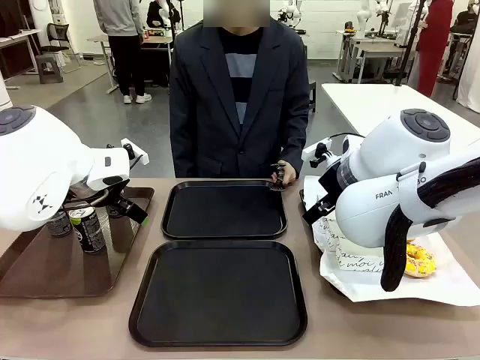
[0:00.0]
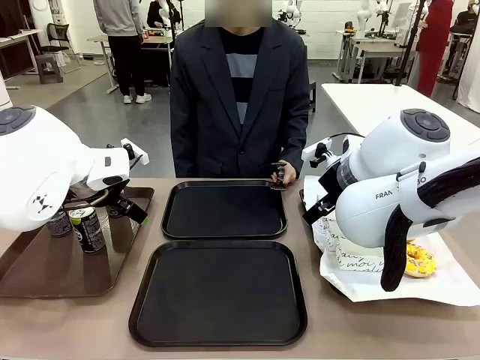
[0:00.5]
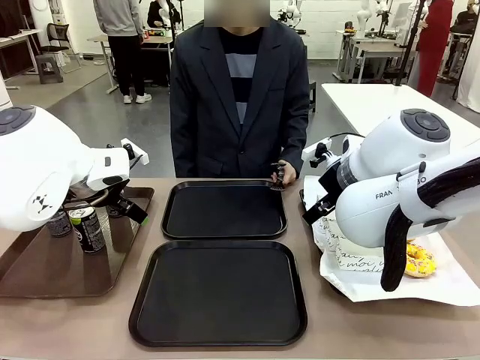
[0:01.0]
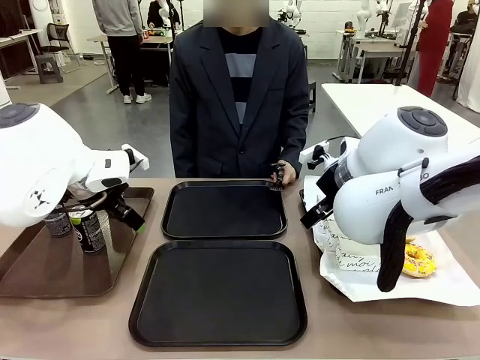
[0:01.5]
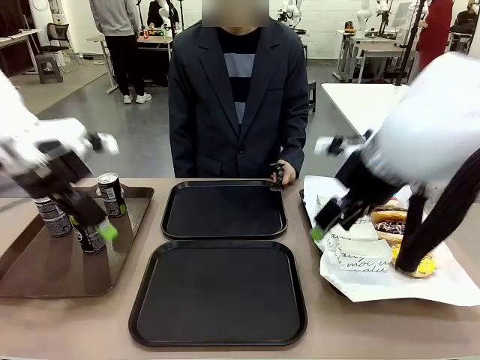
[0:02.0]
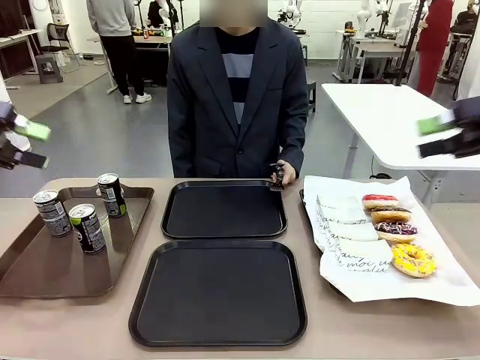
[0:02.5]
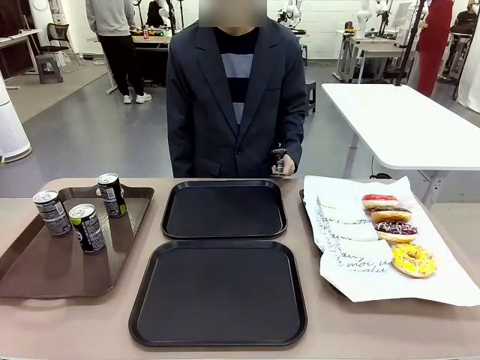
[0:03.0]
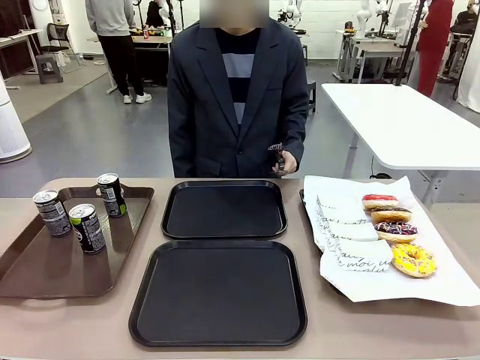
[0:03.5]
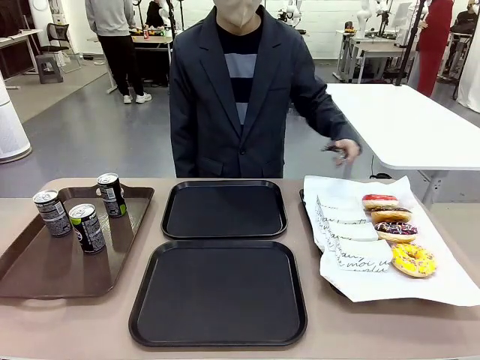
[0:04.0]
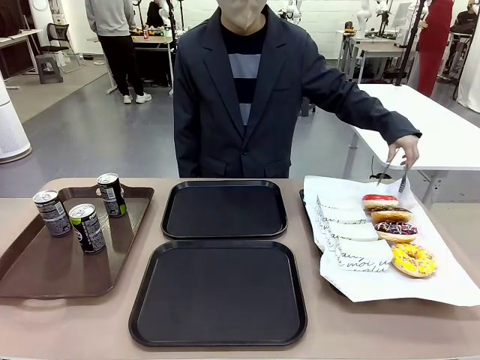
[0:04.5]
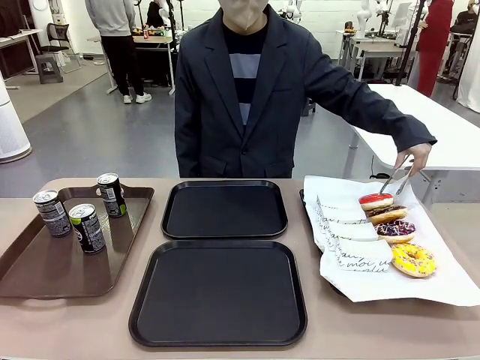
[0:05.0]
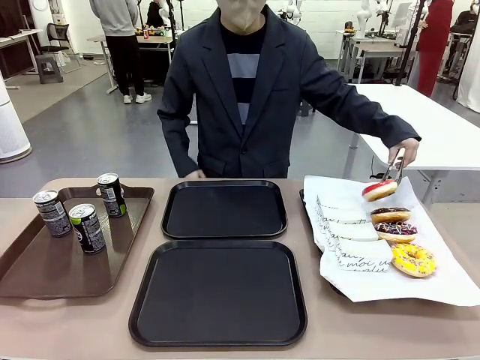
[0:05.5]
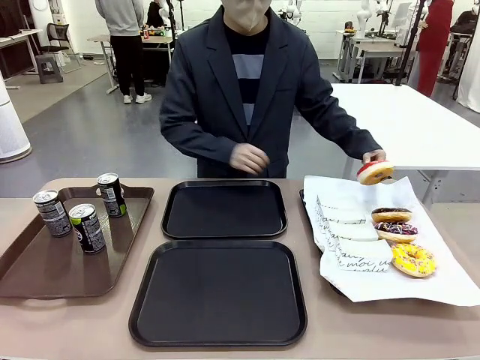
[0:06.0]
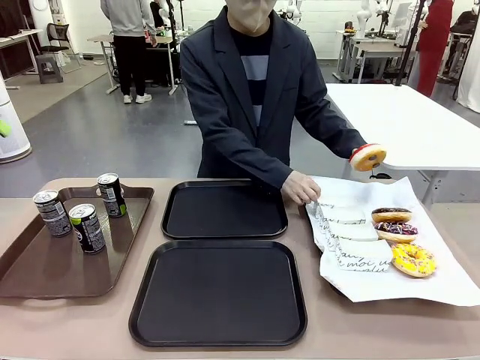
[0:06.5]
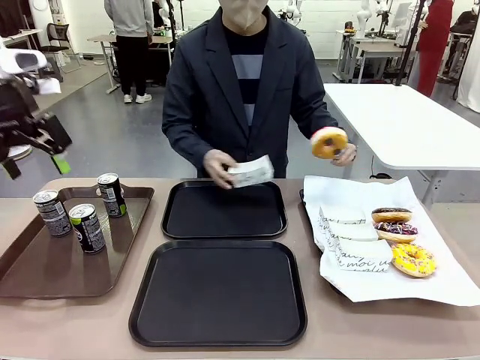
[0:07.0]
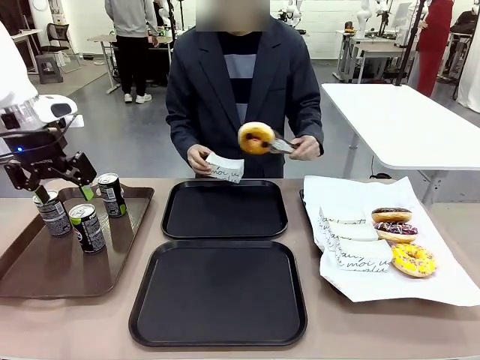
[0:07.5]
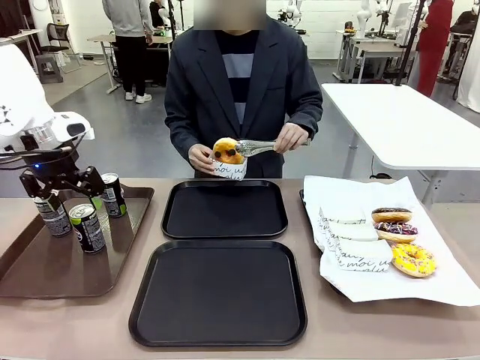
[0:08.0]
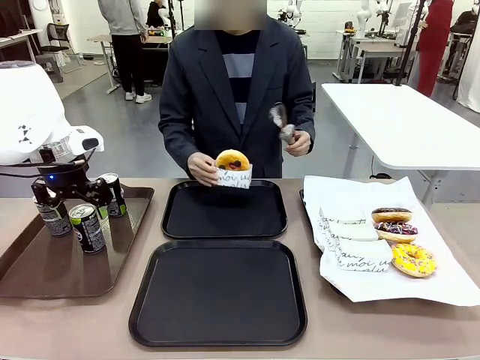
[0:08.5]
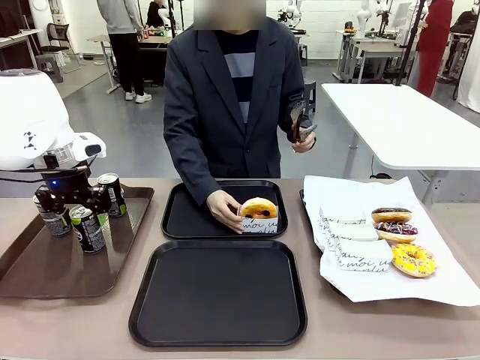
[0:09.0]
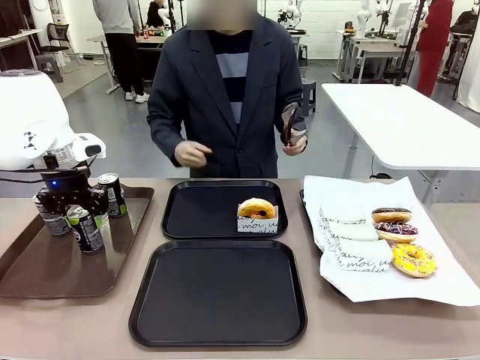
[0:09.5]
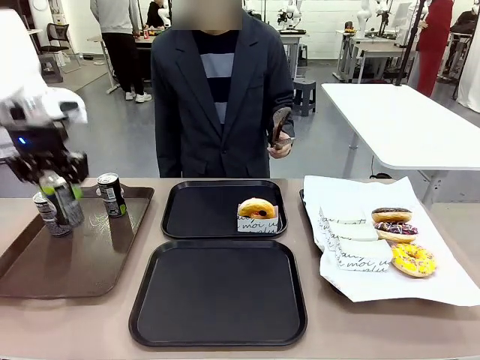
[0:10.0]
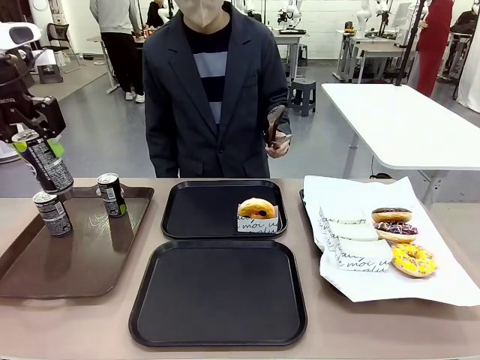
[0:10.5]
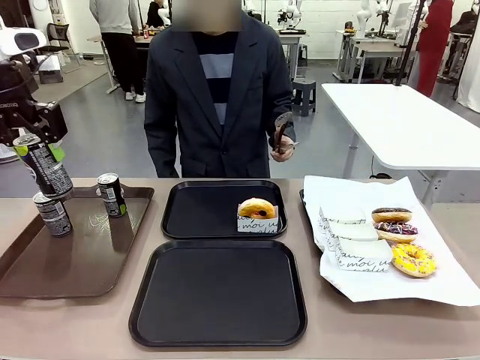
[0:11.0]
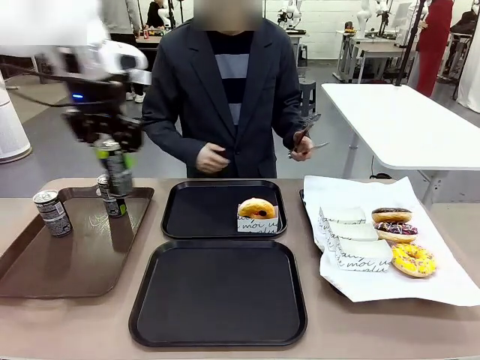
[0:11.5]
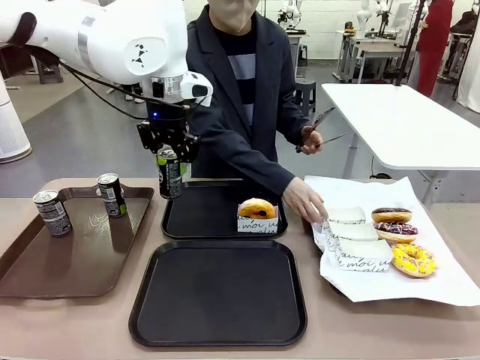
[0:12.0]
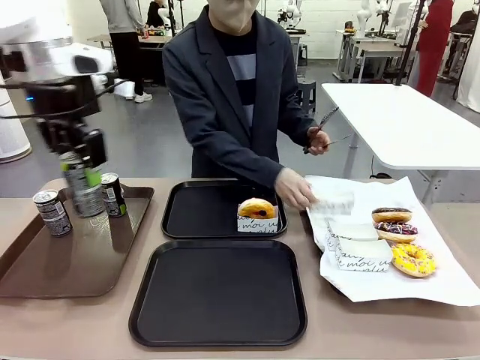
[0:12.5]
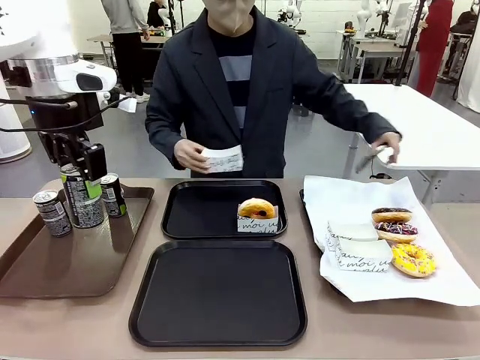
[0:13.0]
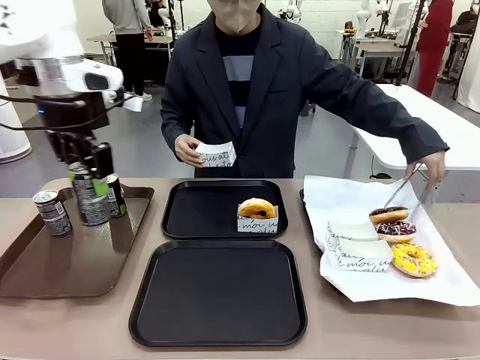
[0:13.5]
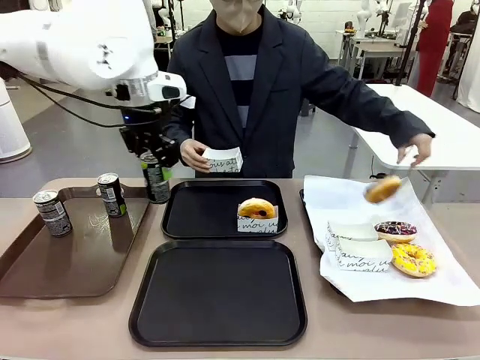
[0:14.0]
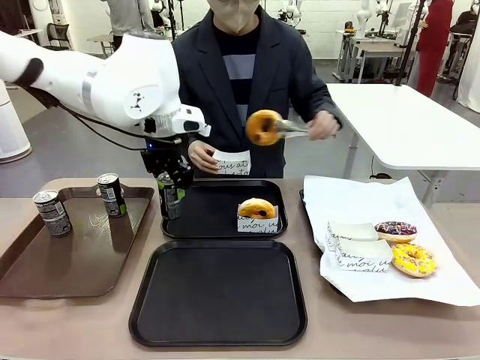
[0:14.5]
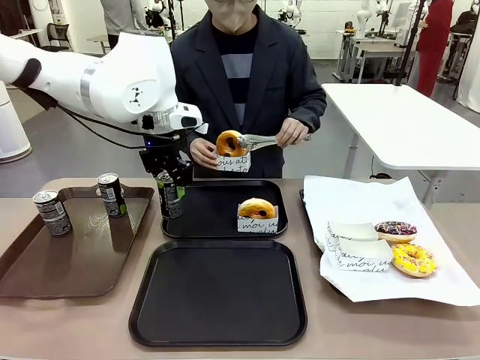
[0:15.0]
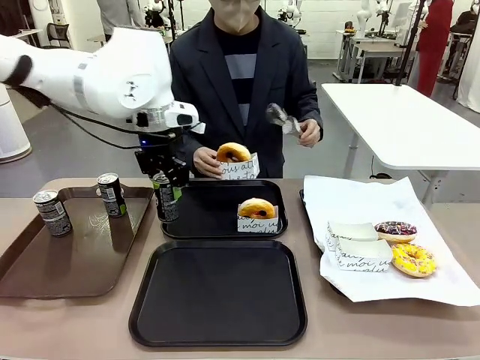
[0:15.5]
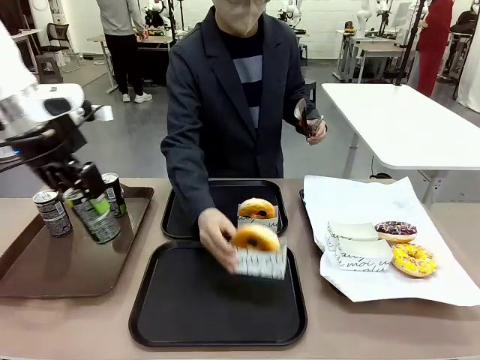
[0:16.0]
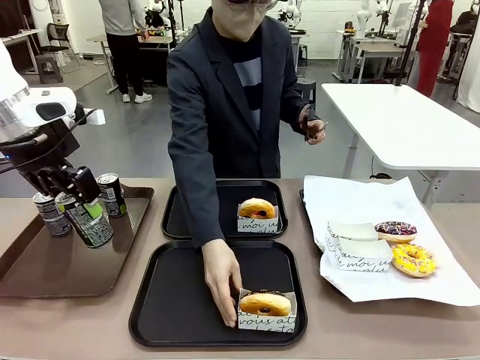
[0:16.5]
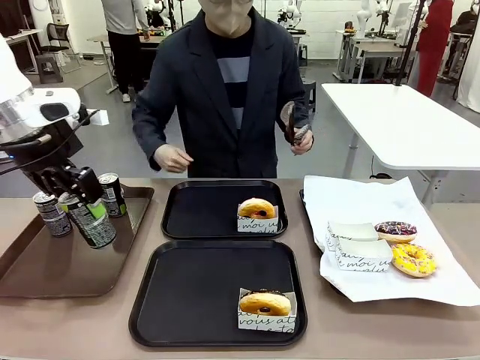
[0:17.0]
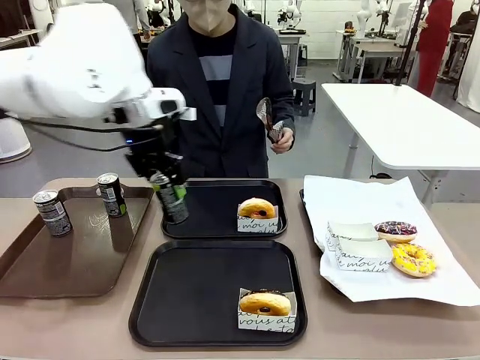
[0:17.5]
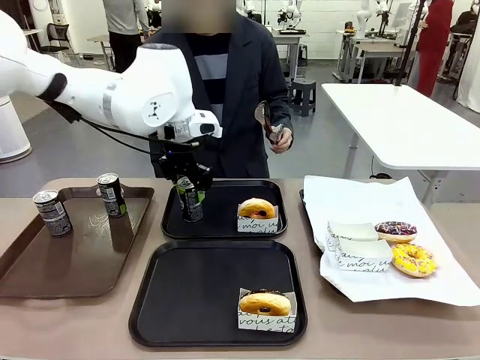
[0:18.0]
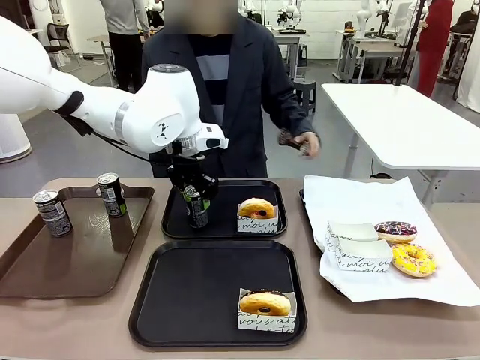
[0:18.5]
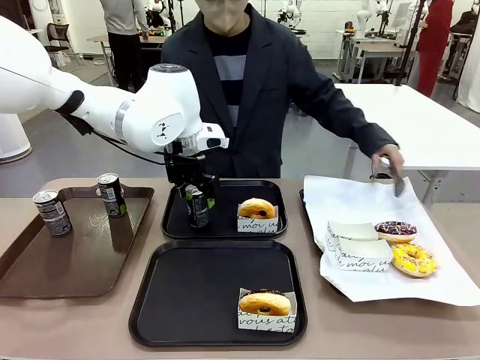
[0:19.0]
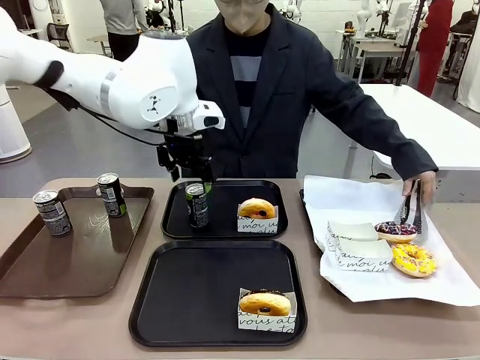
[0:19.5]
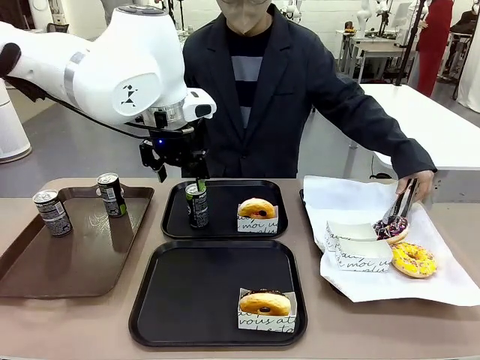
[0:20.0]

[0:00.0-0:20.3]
Task: Set up donuts and drinks on trays.
Robot: Pick up one Pepsi coke and place it on the Flat Tray.
Person: Pick up one donut with tongs, place it in the donut tray, and then place the donut tray on the flat tray.
